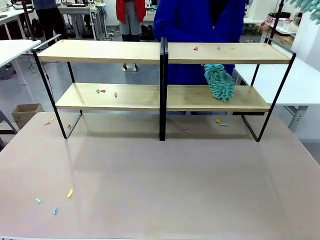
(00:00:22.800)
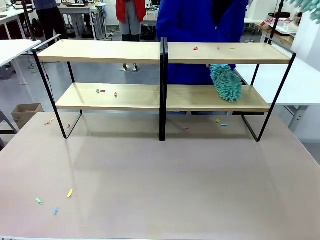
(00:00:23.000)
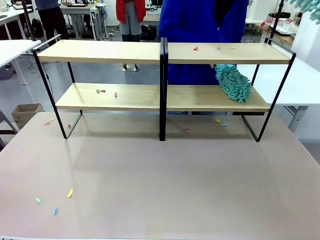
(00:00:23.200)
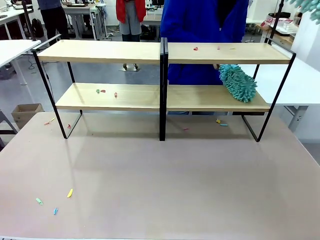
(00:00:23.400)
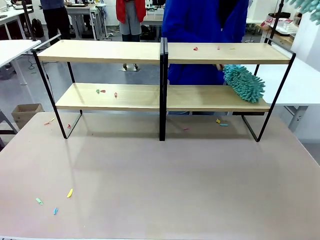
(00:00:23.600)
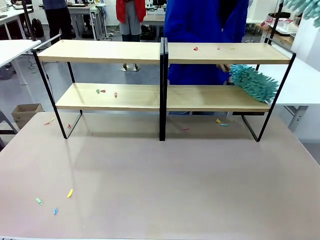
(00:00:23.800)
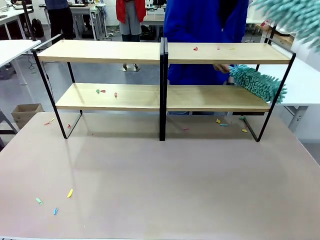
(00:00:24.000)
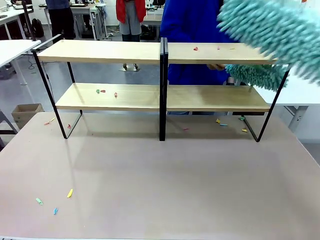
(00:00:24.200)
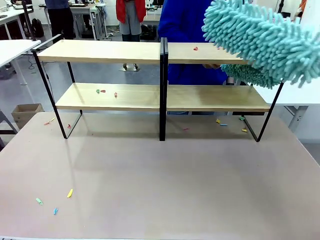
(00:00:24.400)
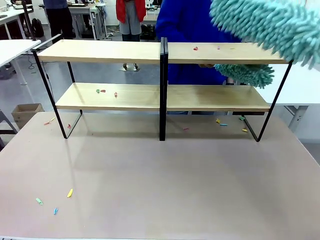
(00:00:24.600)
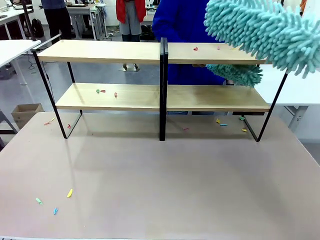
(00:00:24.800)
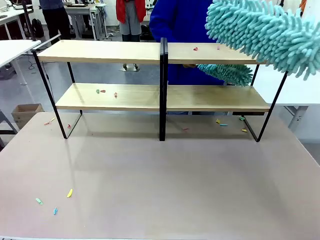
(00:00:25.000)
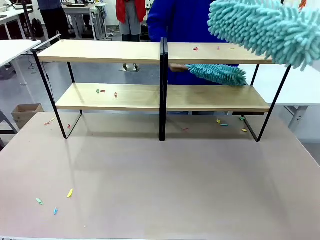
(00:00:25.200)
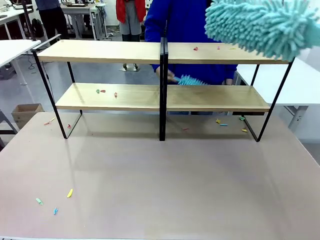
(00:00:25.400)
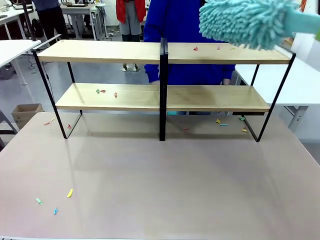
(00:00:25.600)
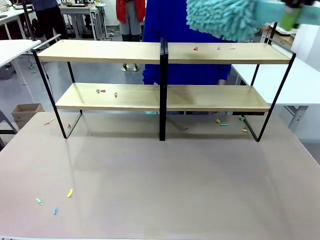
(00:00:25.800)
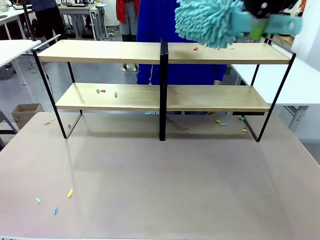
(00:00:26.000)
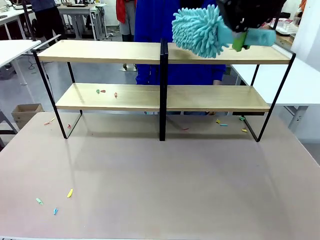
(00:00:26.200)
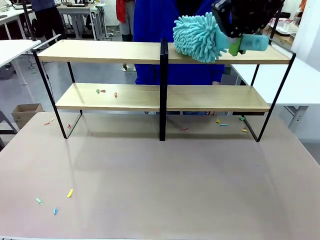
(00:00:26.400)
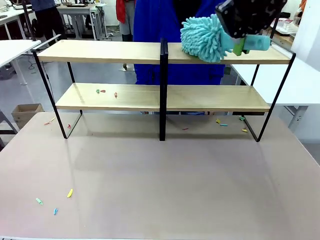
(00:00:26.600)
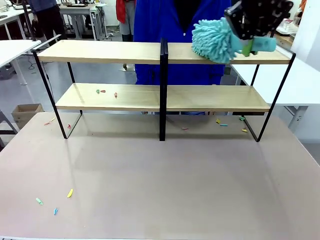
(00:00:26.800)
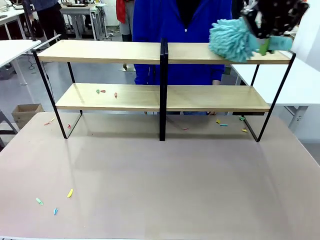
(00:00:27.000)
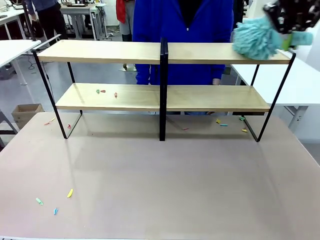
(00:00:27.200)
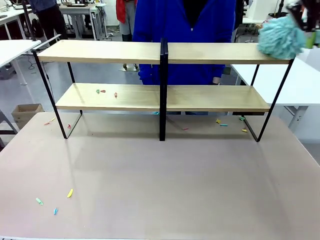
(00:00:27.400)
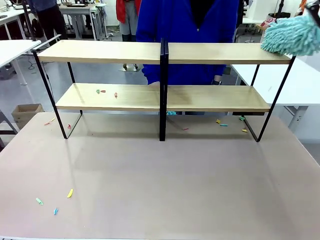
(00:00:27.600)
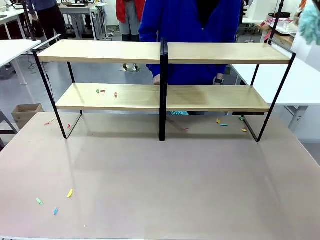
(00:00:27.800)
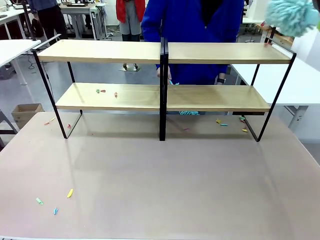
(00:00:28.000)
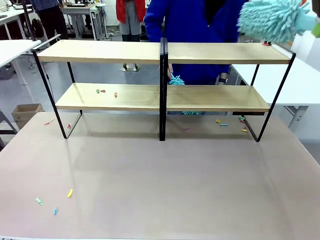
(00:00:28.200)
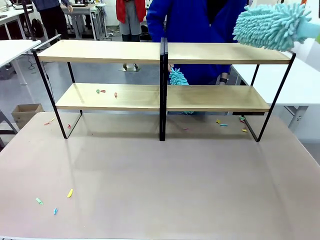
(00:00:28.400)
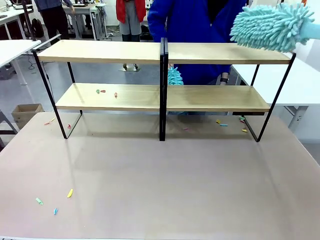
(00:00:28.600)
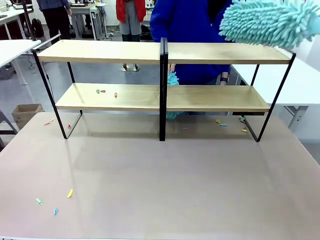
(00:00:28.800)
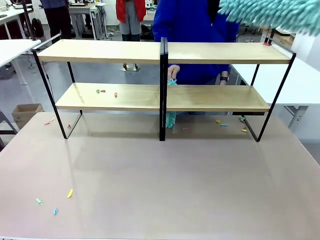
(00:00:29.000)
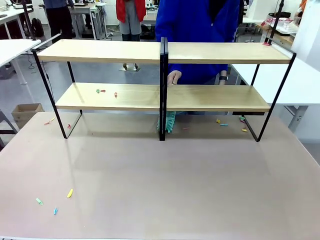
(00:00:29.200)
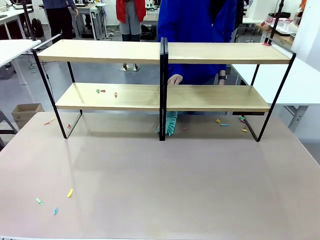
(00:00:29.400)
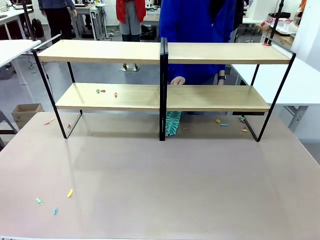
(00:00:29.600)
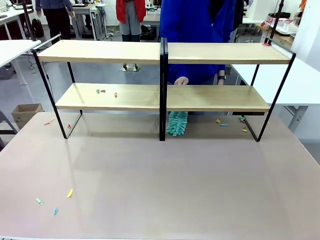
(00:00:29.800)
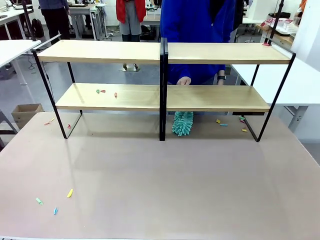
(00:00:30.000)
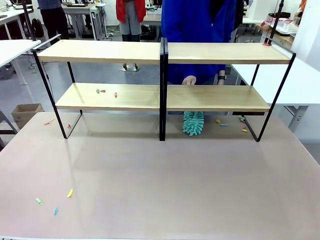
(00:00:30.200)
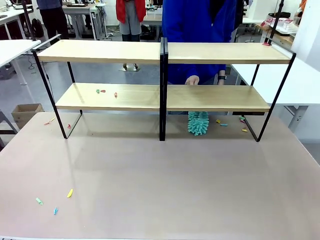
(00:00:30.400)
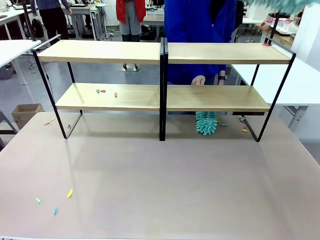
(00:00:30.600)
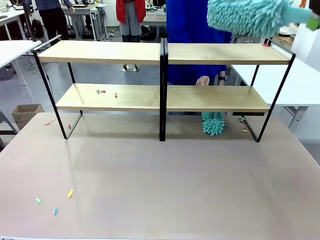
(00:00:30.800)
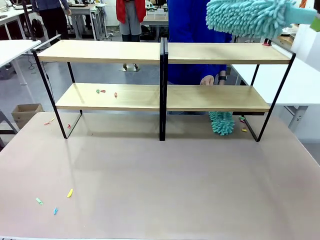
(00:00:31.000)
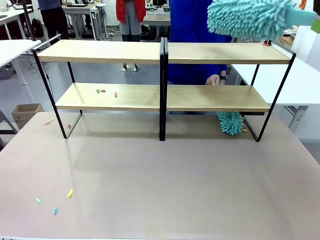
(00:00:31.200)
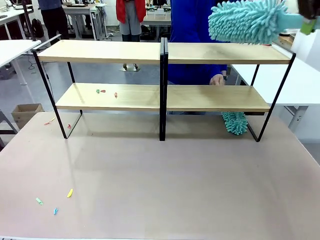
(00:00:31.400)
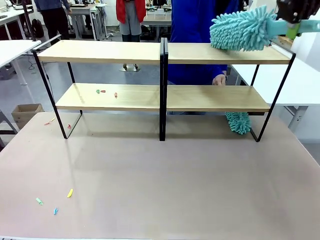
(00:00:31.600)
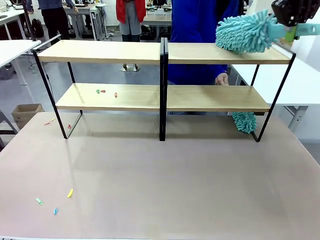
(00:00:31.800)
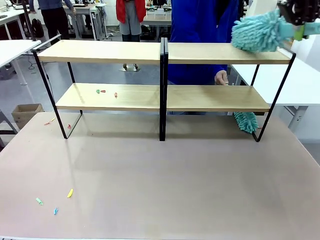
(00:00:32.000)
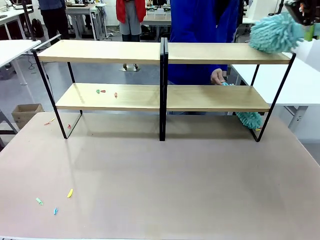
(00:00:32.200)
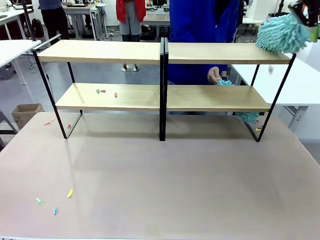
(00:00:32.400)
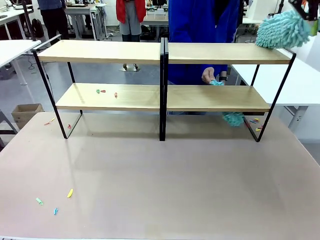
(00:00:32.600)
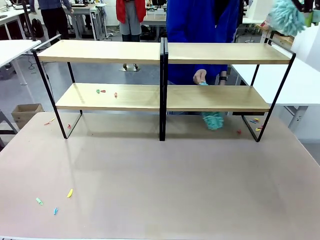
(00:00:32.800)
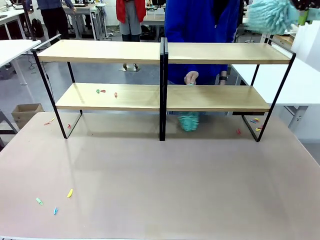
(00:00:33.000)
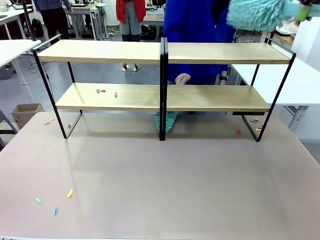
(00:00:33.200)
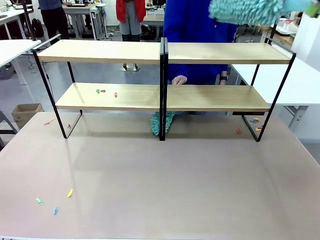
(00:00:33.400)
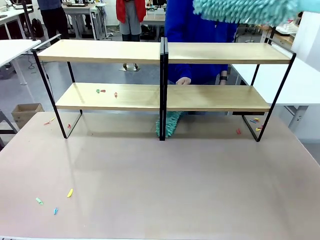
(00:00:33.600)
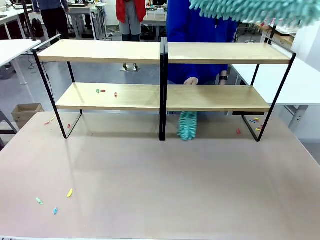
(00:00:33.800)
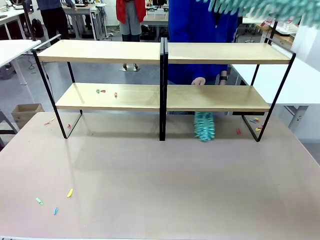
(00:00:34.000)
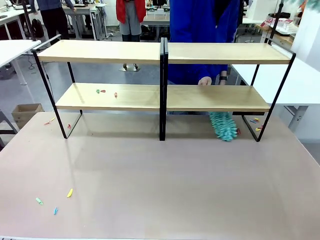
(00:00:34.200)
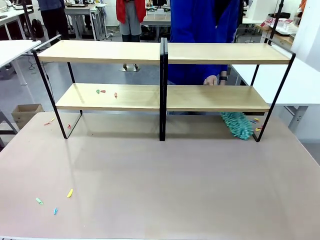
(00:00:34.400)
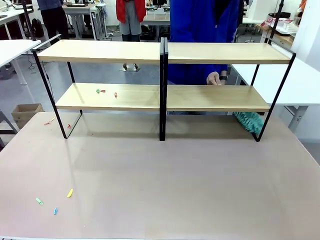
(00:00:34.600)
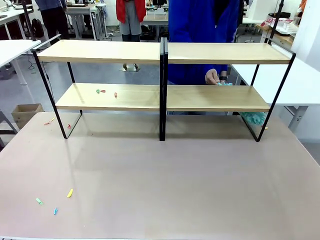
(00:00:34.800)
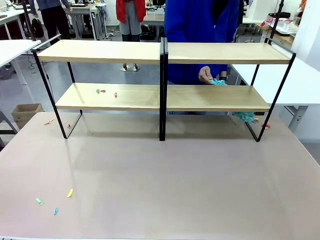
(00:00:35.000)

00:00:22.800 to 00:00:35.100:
Task: Clean the shelves.
Robot: Clean another randomly selected level of the Shelf with the Duster.

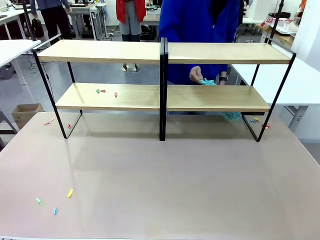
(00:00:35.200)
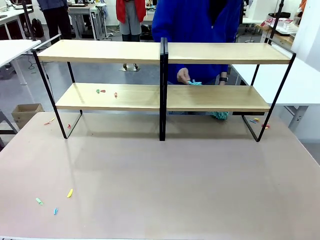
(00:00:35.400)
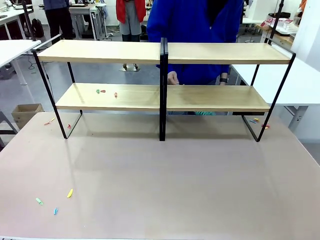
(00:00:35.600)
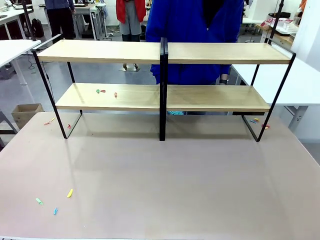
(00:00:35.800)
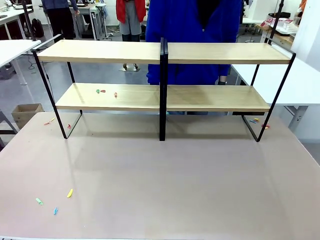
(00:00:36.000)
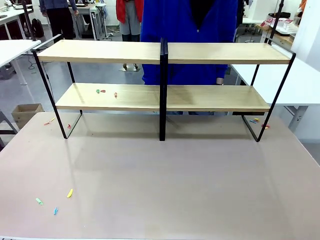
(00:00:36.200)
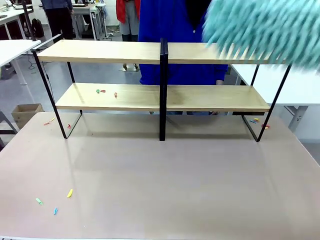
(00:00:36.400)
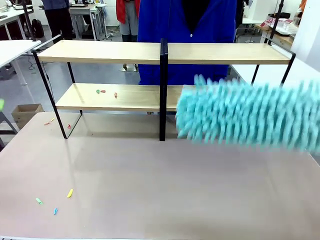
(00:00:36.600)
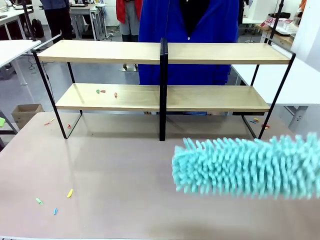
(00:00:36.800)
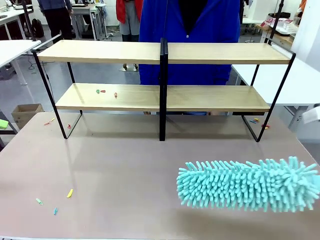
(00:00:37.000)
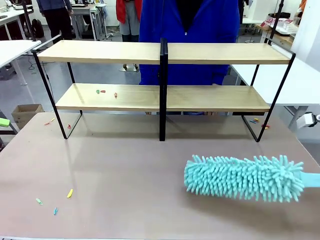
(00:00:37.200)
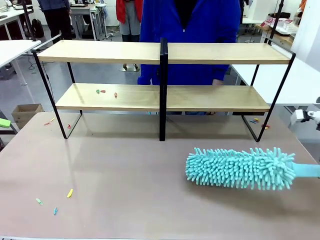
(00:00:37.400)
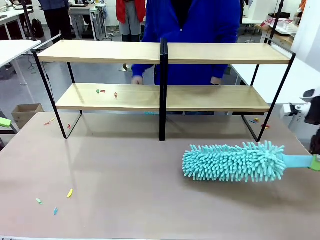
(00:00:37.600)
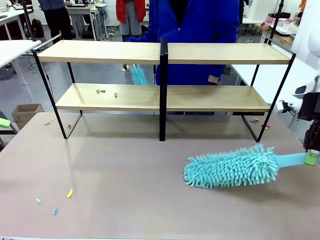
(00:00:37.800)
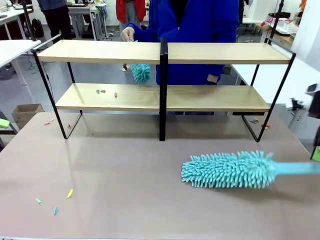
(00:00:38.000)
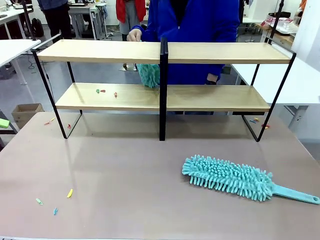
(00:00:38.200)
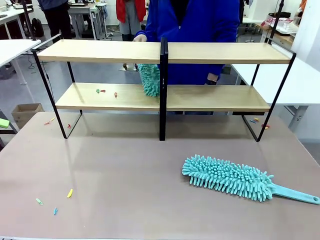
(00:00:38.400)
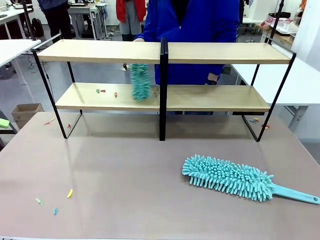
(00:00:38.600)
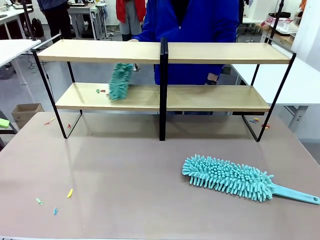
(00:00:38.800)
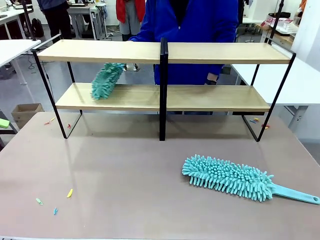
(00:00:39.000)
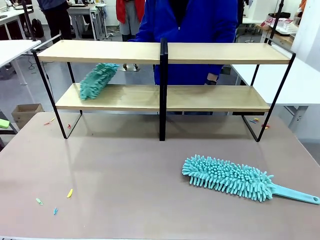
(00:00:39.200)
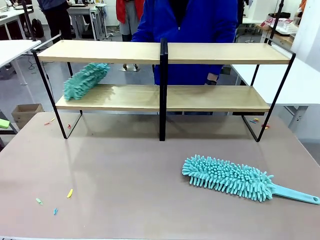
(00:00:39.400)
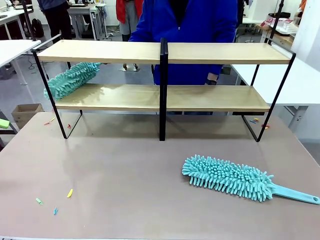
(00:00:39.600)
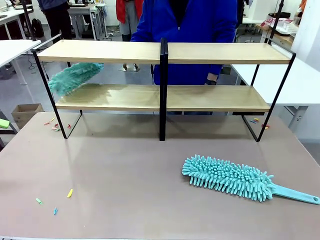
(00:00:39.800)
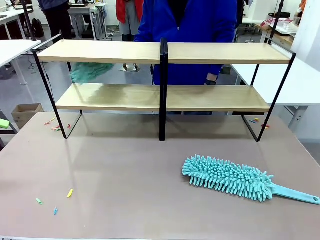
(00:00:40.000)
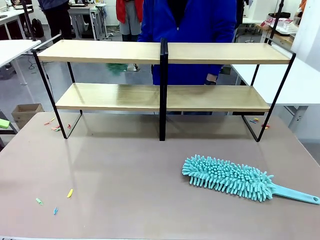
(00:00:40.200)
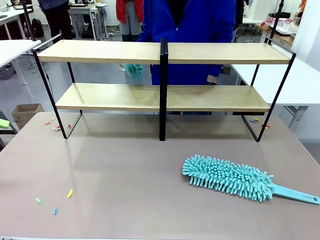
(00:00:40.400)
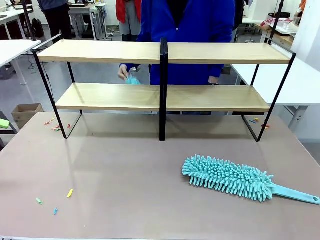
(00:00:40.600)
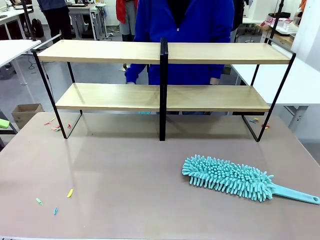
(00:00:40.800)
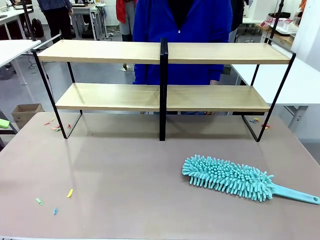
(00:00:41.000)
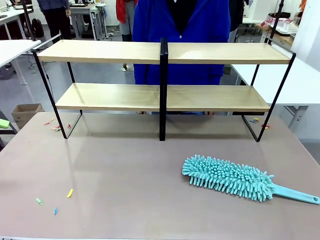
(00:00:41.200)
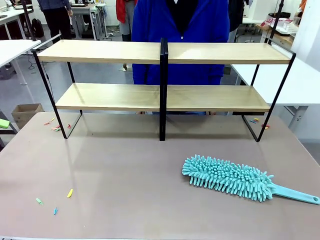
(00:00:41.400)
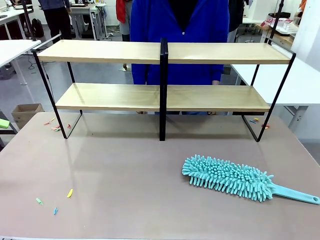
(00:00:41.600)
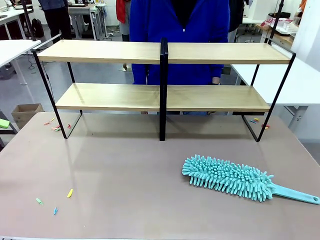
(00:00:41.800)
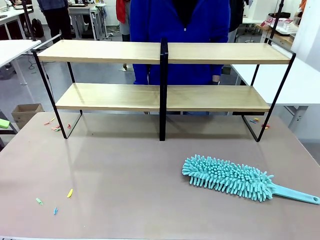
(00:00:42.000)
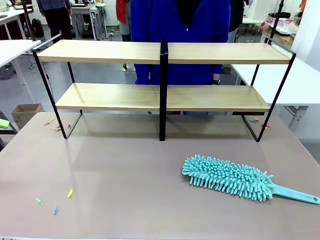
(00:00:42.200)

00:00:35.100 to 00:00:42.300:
Robot: Place the Duster on the table.
